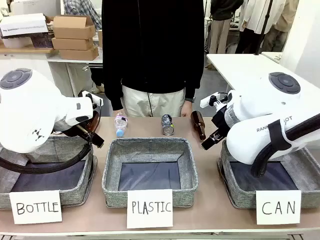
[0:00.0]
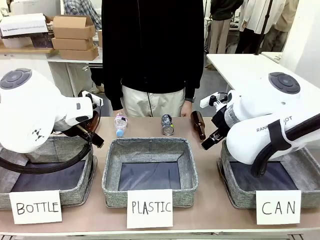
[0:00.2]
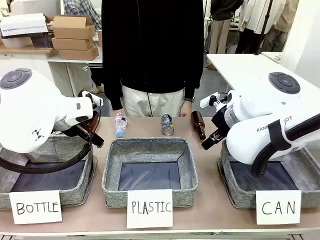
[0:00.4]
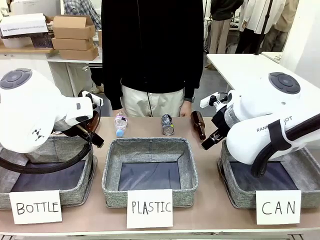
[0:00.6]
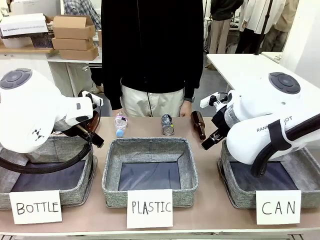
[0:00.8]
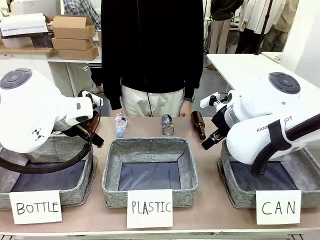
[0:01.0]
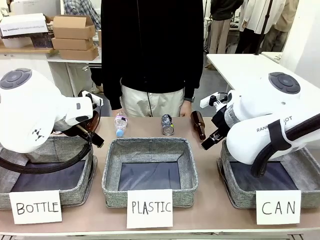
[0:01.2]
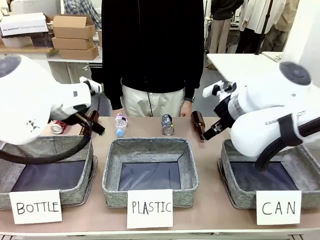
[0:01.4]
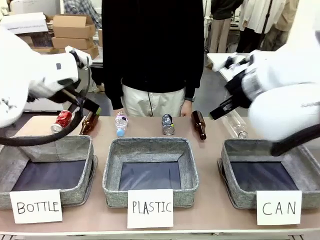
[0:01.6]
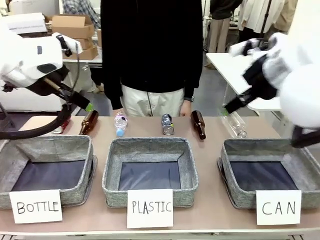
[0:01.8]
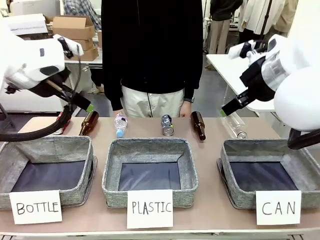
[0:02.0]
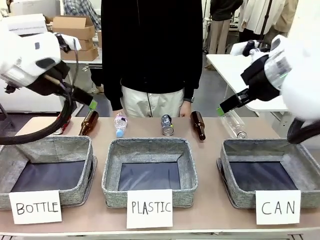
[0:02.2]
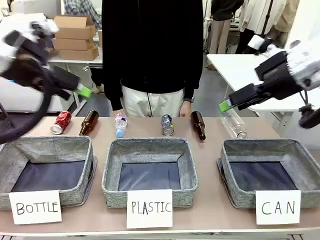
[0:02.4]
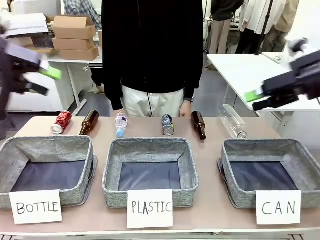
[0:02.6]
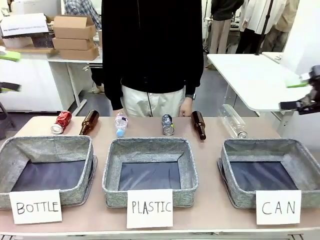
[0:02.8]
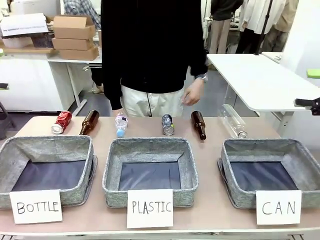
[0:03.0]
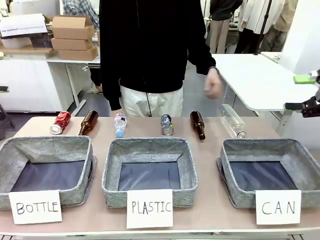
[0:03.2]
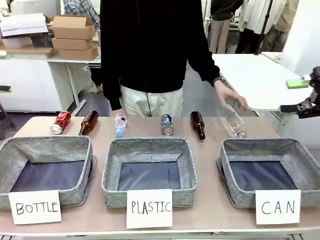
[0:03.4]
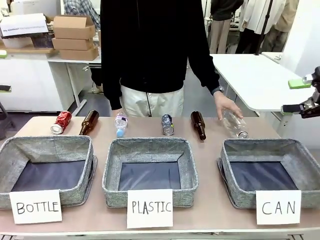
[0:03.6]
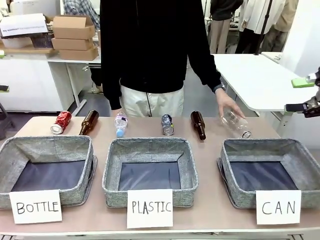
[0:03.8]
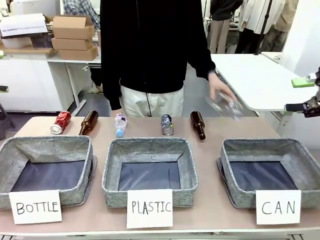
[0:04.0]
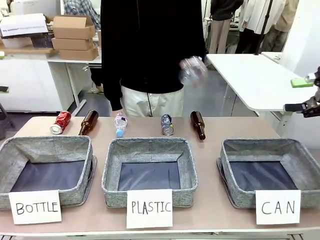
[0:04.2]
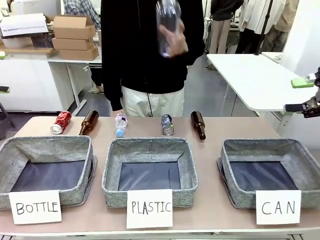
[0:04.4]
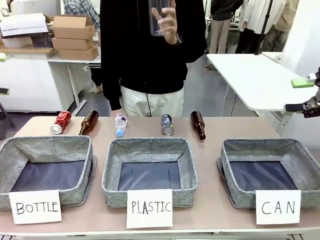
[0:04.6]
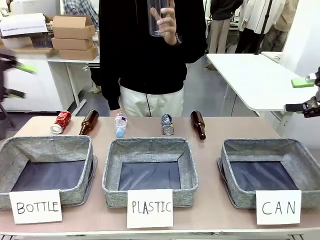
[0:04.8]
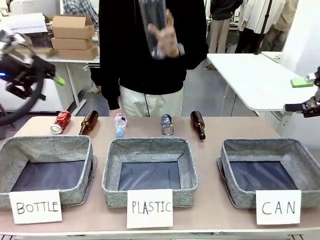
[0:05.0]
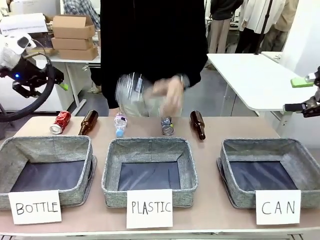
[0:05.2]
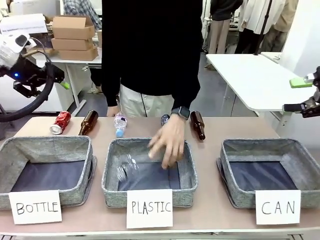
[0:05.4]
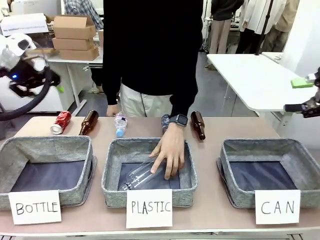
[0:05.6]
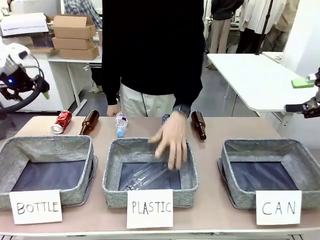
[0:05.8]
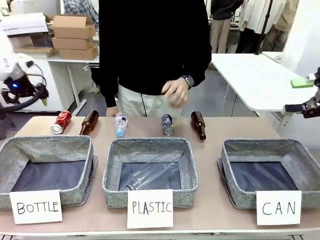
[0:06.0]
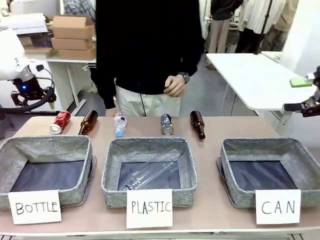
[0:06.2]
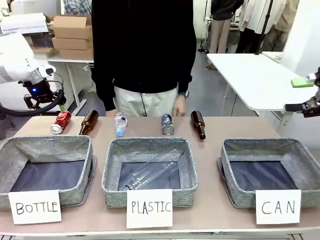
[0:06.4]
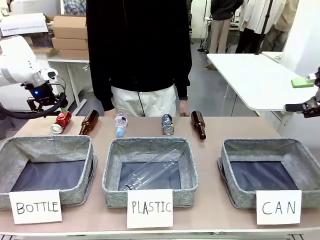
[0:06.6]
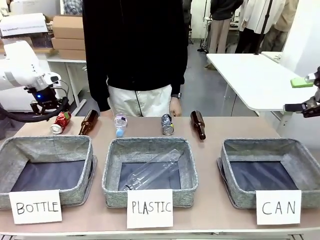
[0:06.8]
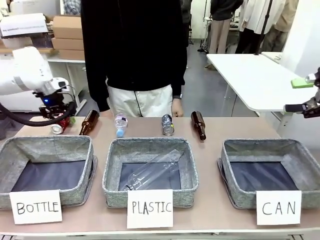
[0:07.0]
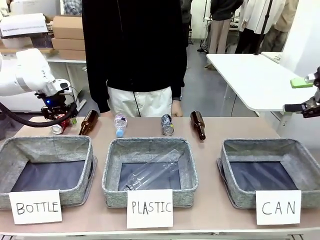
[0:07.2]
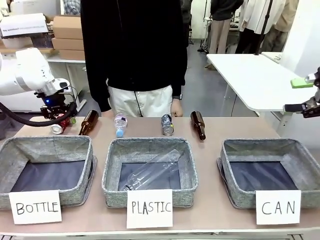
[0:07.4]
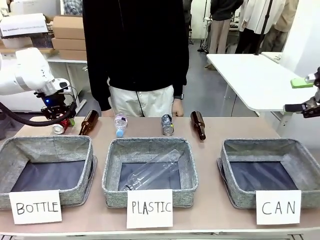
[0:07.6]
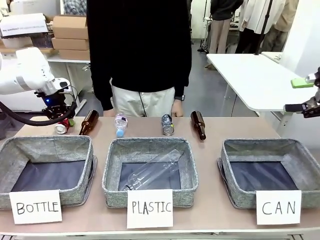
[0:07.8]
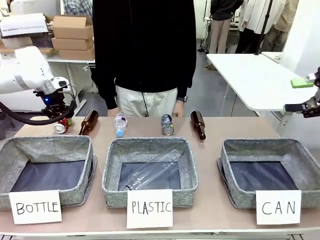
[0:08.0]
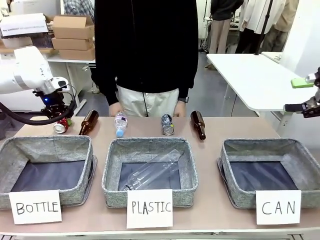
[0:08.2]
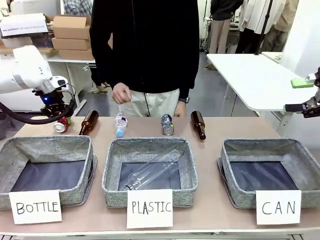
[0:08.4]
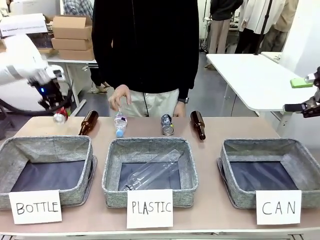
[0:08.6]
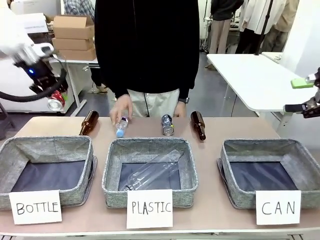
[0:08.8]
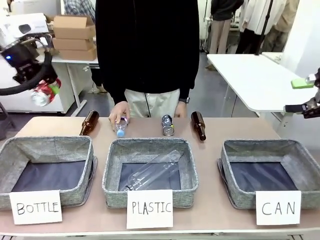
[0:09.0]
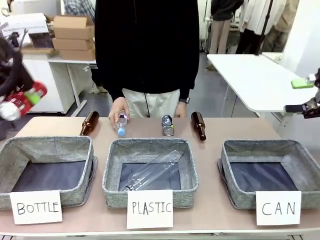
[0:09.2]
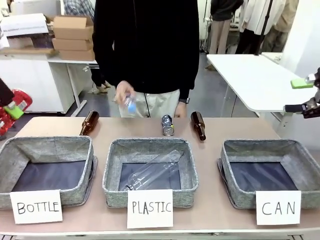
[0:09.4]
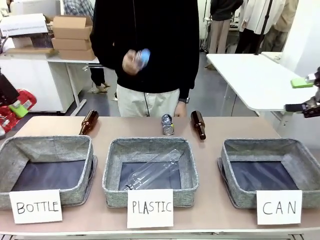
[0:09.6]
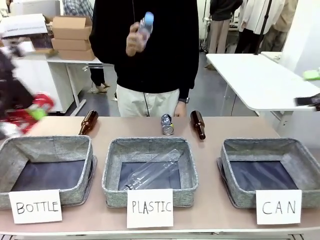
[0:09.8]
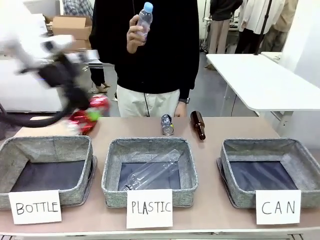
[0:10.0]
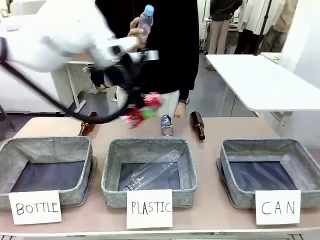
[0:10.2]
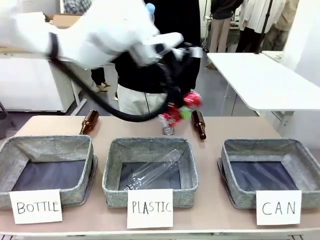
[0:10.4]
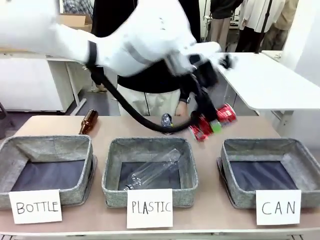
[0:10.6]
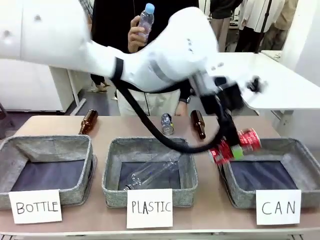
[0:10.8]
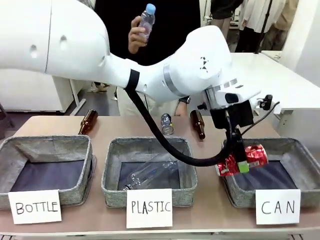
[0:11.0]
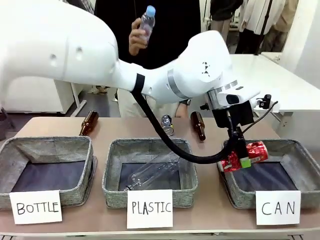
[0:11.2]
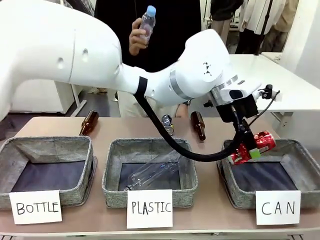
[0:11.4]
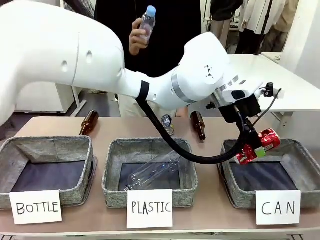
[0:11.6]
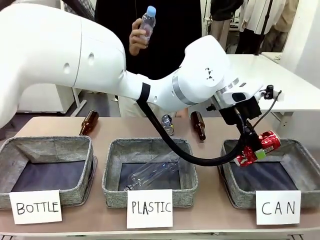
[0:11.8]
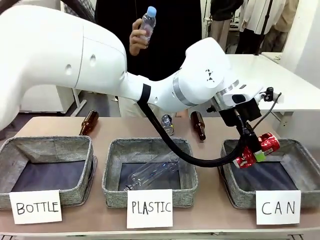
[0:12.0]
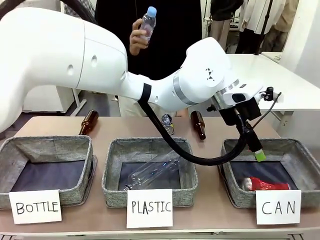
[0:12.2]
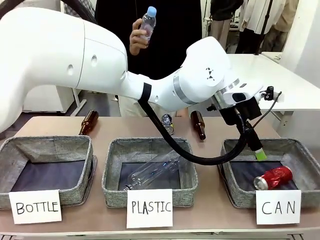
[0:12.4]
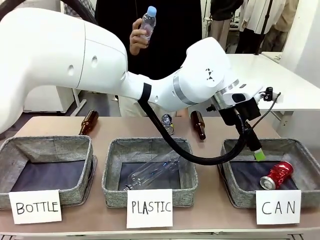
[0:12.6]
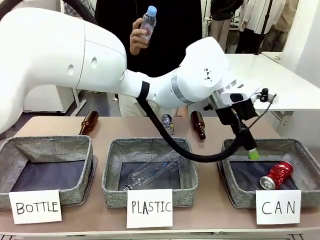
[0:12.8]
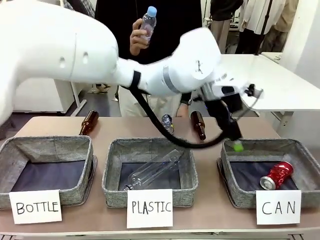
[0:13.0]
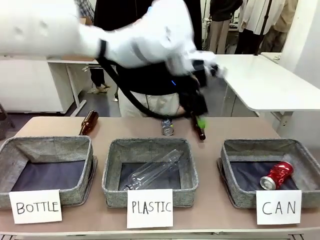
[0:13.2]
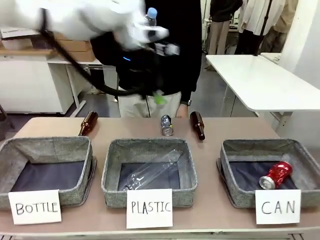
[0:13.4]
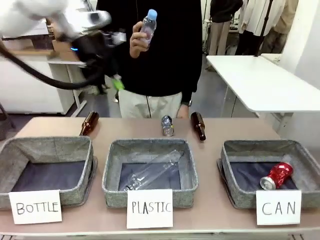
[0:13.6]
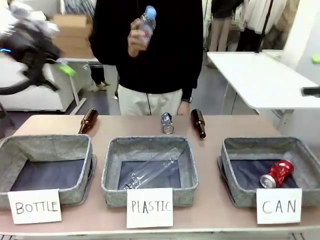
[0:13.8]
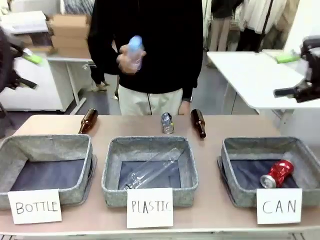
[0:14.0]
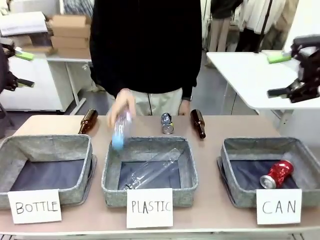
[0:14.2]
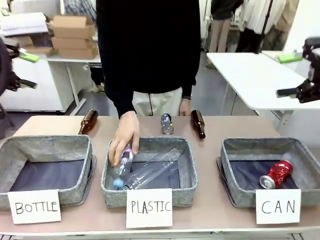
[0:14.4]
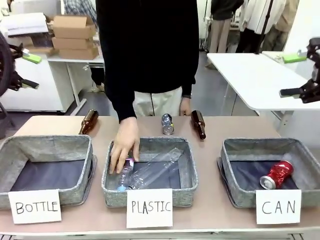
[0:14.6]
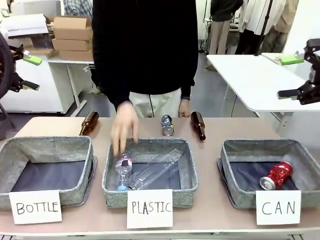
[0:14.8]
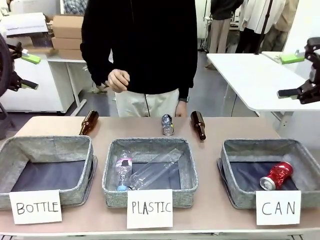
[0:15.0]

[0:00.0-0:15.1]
Task: Sort the can waste into the basket.
Robot: Pick up the can waste from the table and place it in the right Fabric basket.
